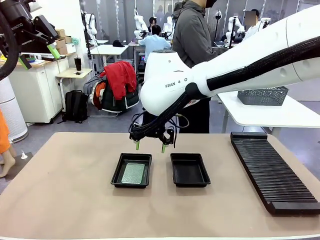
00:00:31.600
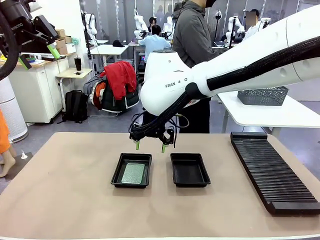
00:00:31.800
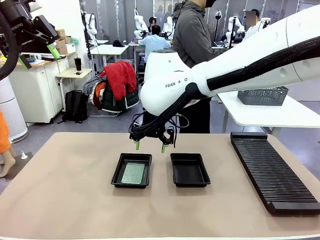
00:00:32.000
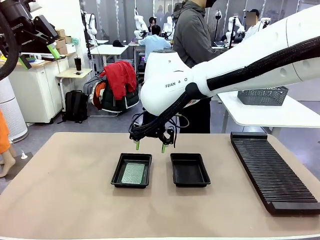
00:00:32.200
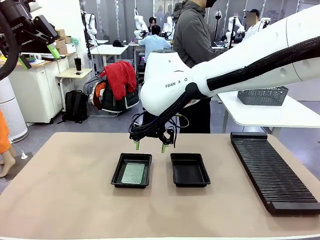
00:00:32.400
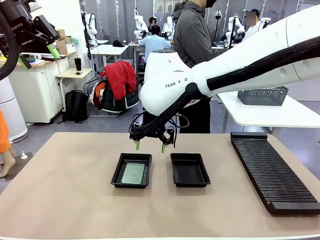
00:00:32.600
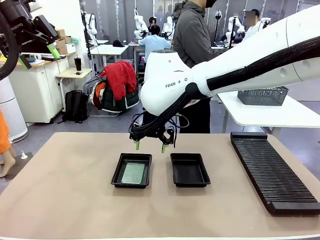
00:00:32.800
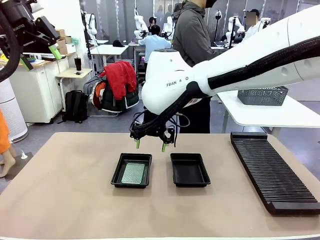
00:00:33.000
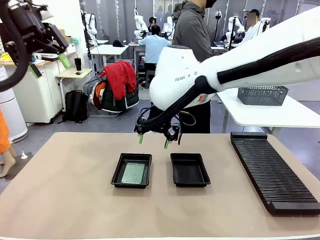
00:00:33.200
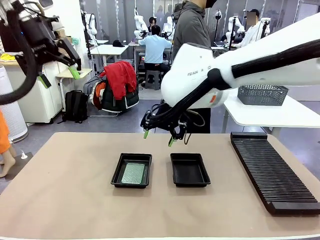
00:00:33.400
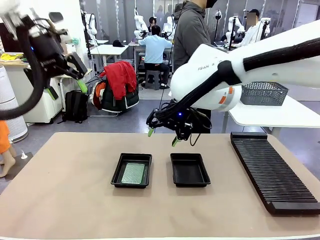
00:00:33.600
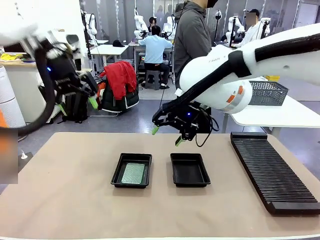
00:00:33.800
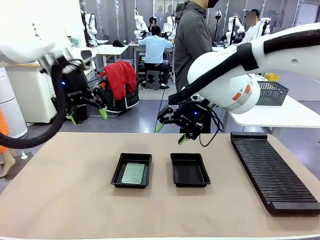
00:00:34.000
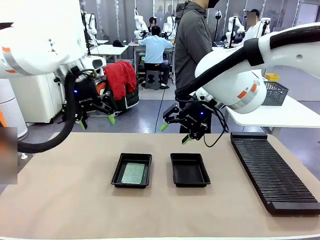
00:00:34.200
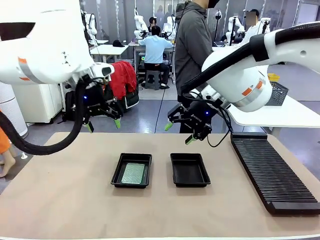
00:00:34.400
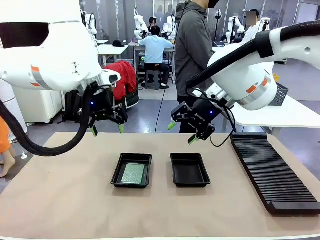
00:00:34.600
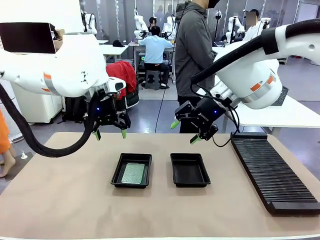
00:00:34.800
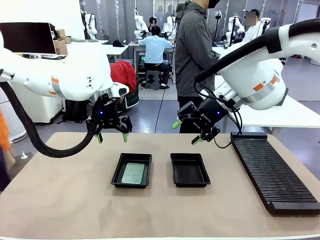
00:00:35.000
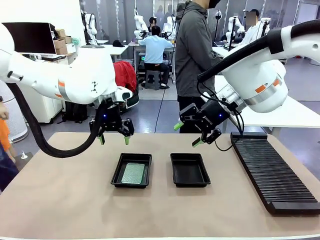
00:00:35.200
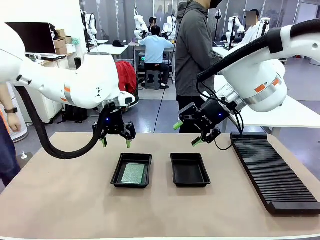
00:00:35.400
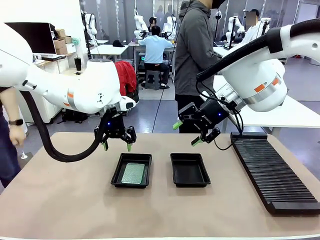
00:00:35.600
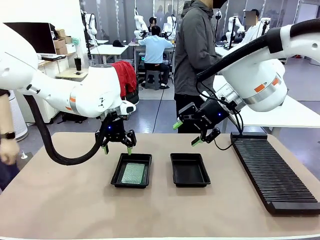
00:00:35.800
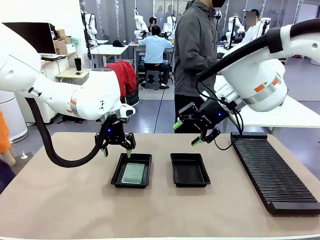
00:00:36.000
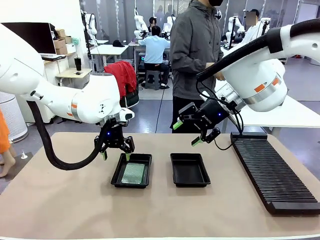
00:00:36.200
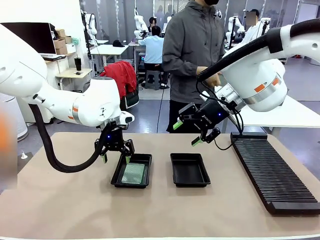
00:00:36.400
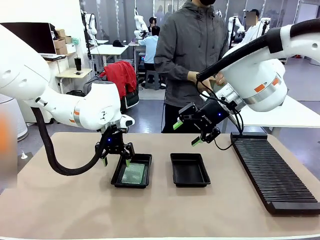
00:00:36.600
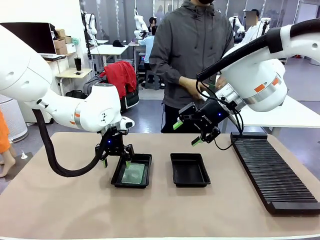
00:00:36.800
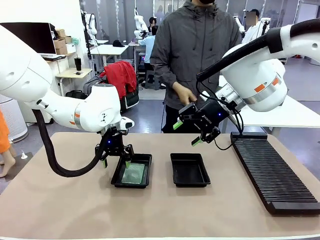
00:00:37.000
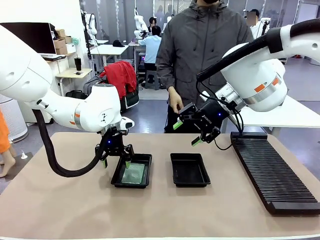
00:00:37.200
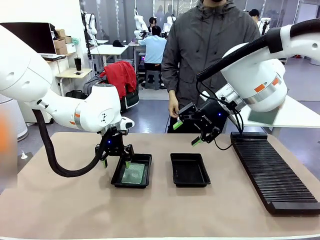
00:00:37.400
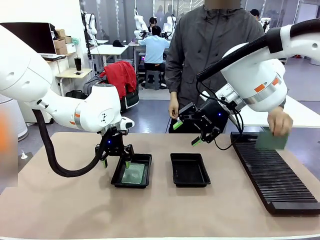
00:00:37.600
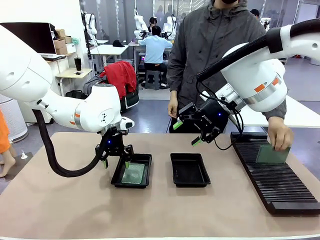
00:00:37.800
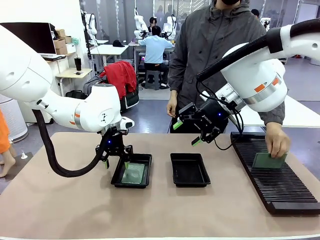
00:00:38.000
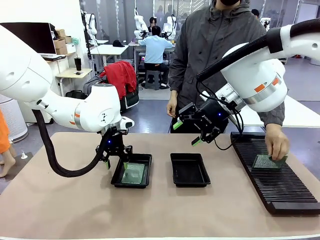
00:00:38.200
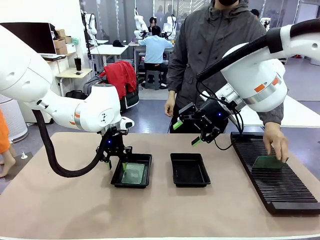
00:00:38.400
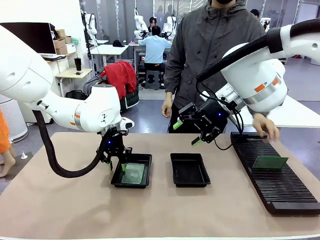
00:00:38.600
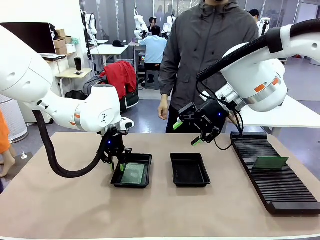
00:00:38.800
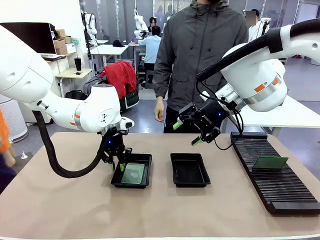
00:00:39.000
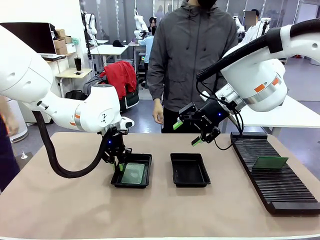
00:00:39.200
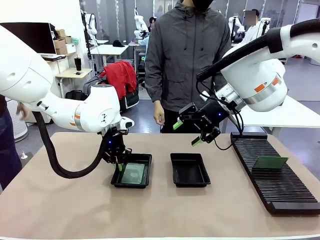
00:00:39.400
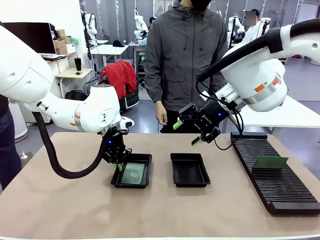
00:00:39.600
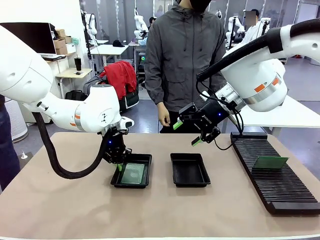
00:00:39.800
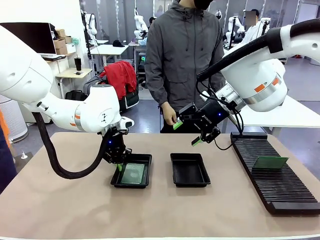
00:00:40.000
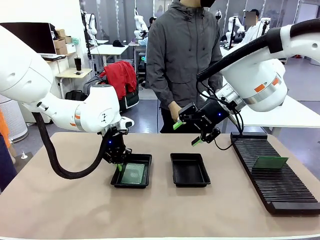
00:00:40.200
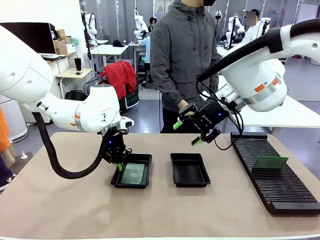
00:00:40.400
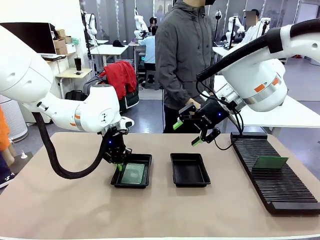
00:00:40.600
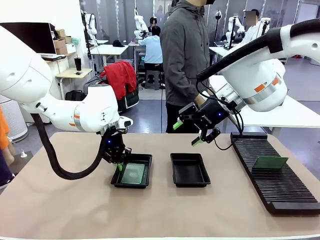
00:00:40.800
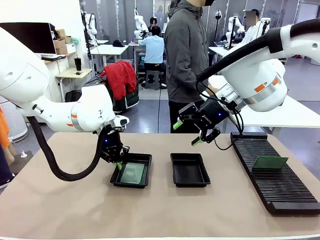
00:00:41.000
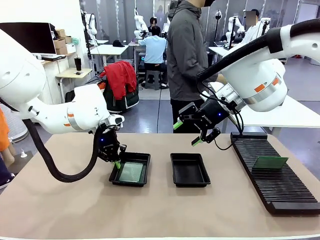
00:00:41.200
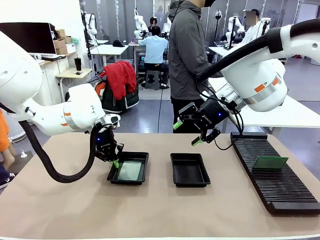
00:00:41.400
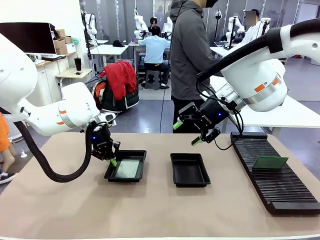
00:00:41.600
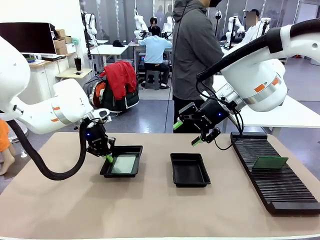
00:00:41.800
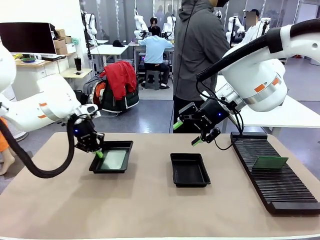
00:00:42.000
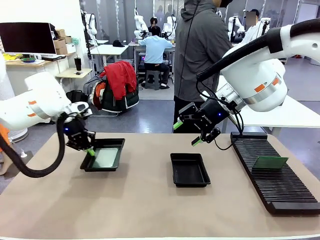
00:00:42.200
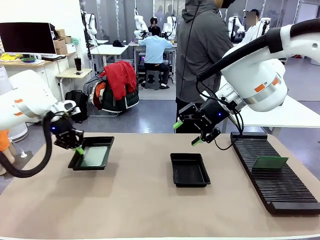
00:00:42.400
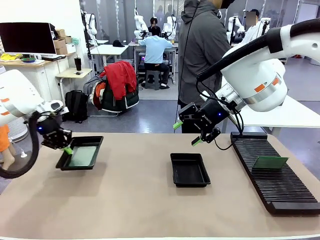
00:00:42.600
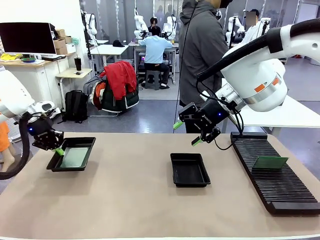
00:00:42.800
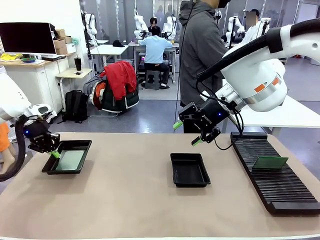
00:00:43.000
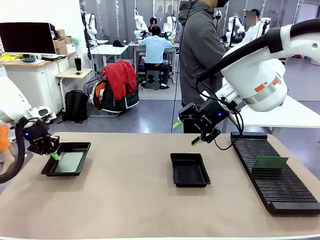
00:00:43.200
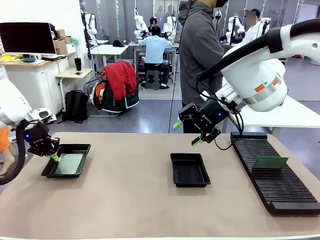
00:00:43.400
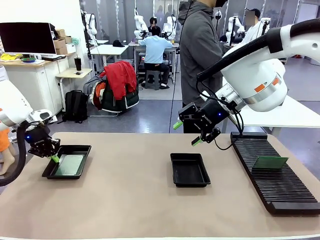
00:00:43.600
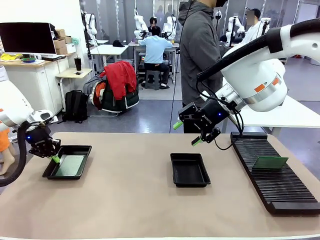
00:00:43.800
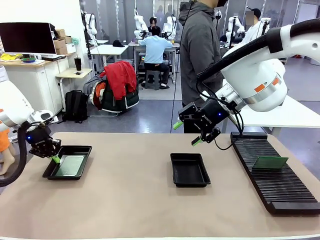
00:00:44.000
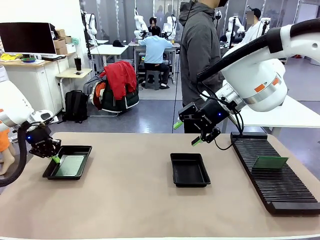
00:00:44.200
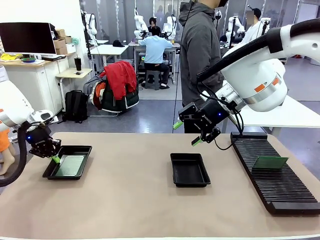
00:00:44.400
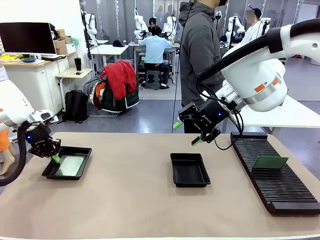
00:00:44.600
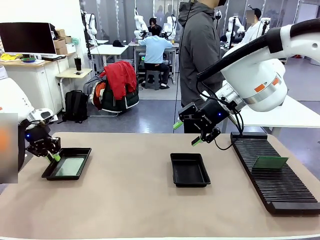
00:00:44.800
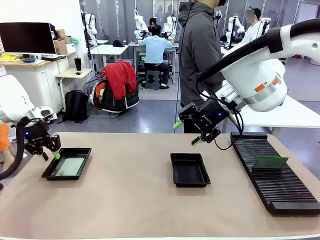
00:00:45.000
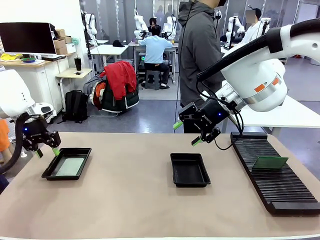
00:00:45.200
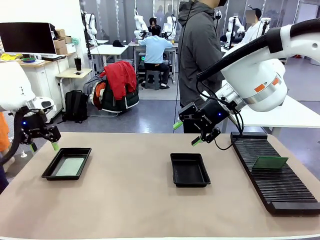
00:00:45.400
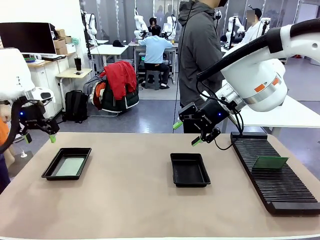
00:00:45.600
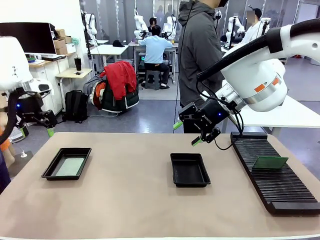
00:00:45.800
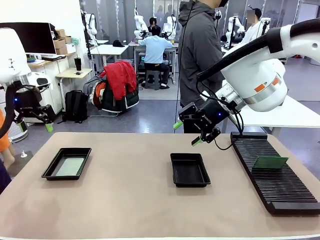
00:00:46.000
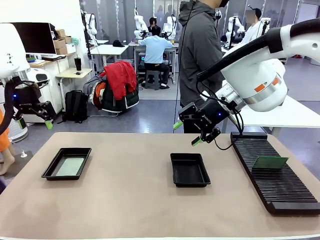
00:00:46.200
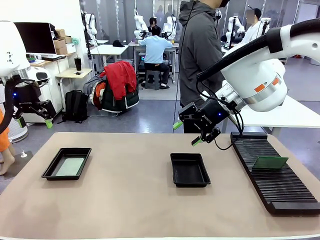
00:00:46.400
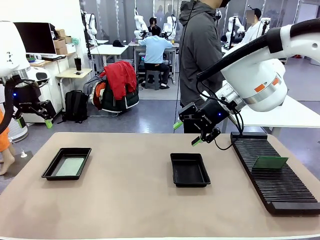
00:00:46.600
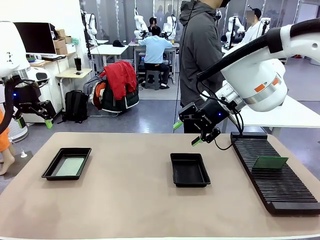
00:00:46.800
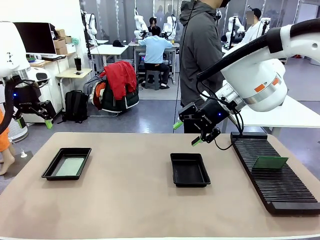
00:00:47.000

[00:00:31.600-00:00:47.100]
Task: Inspect and transfer BCBs to ESD trays.
Robot: Pick up the ESD tray and place it on the left side of the table.
